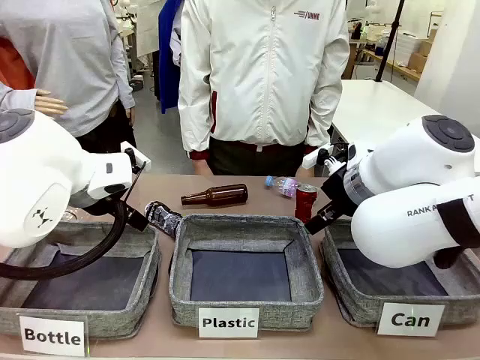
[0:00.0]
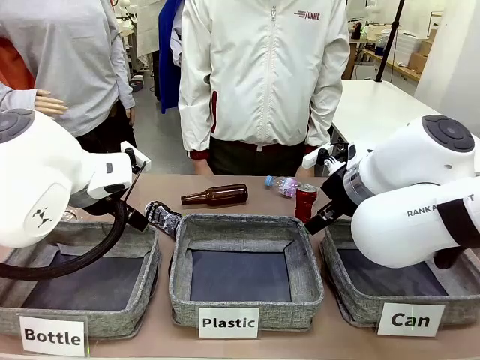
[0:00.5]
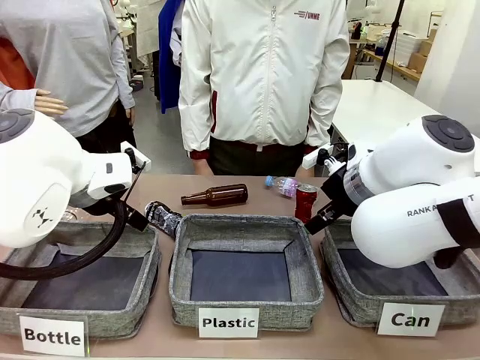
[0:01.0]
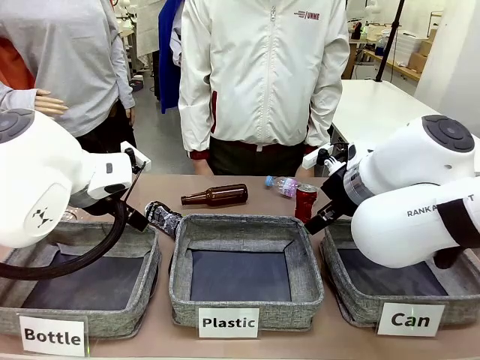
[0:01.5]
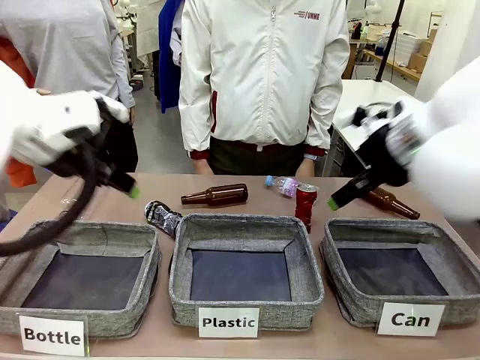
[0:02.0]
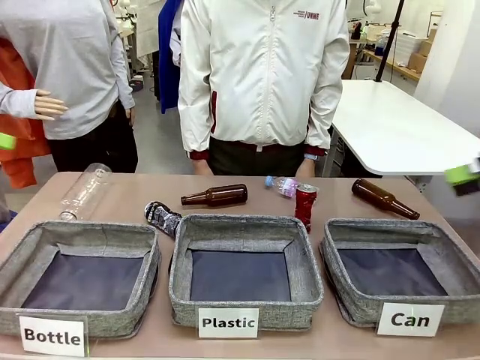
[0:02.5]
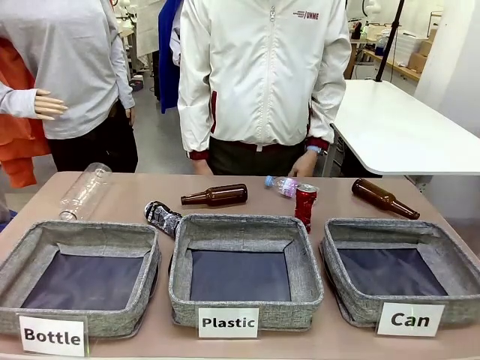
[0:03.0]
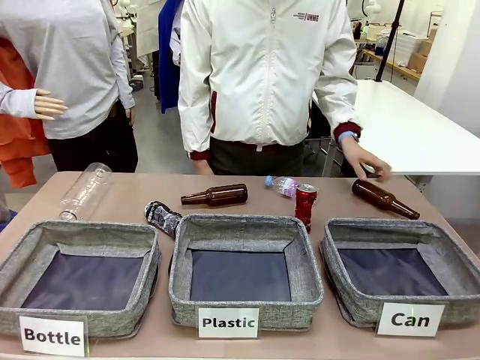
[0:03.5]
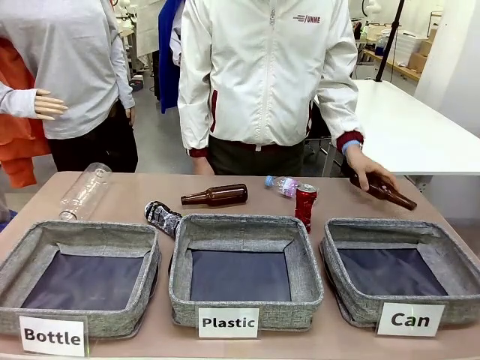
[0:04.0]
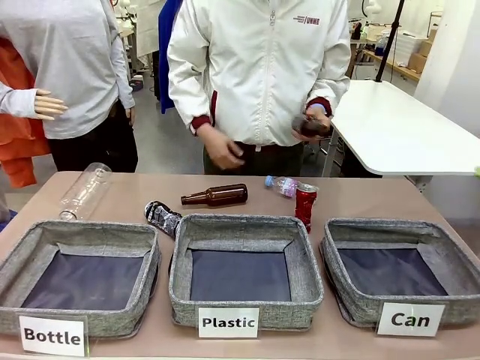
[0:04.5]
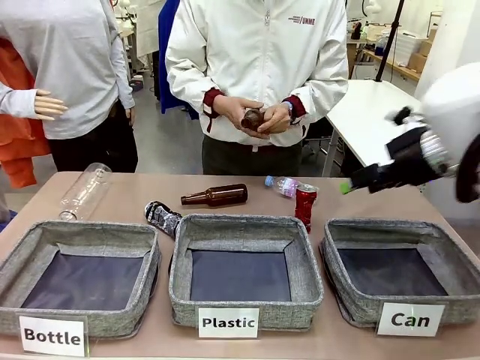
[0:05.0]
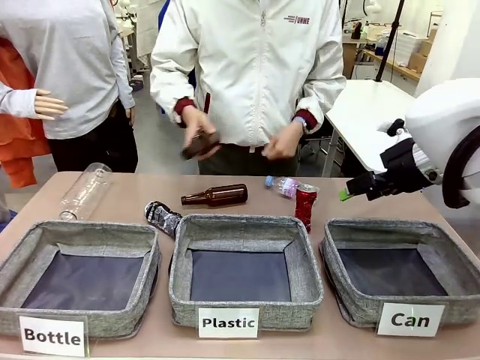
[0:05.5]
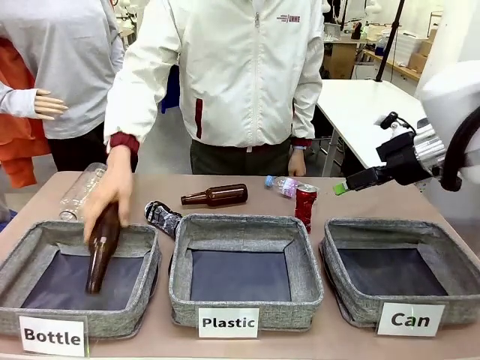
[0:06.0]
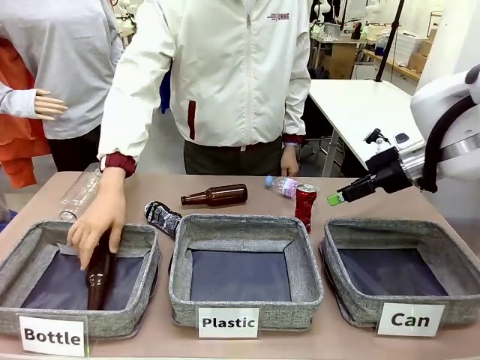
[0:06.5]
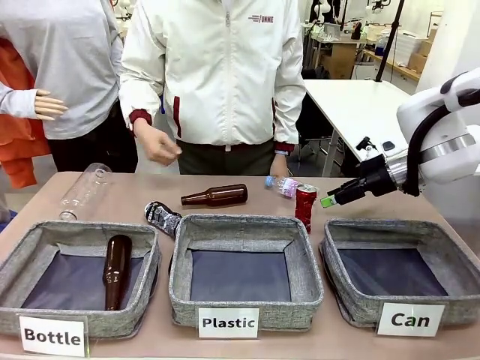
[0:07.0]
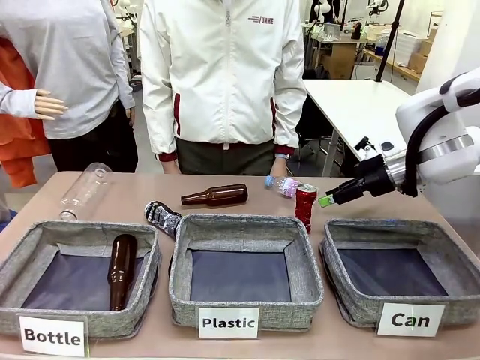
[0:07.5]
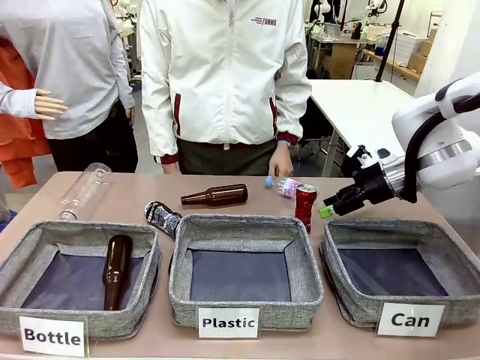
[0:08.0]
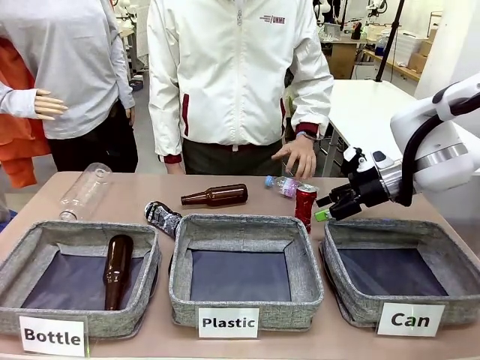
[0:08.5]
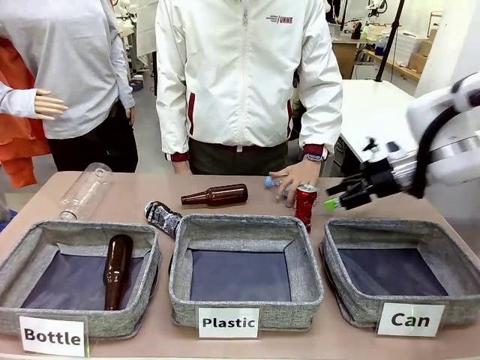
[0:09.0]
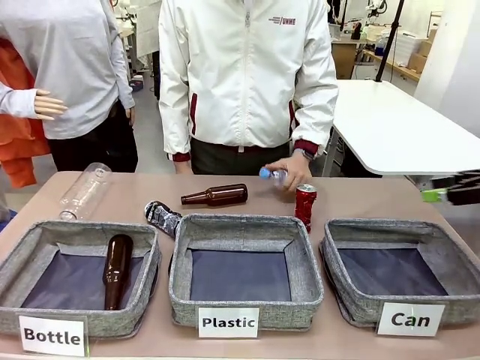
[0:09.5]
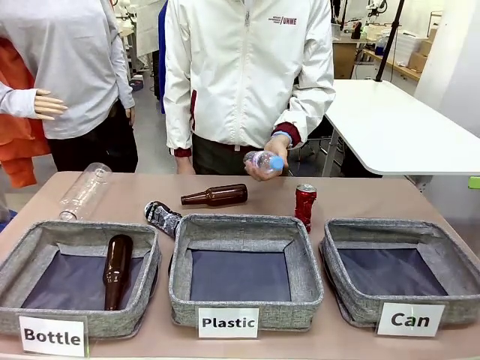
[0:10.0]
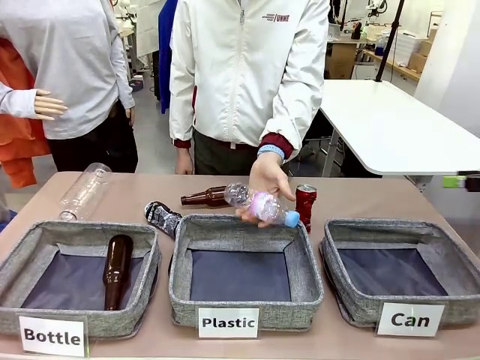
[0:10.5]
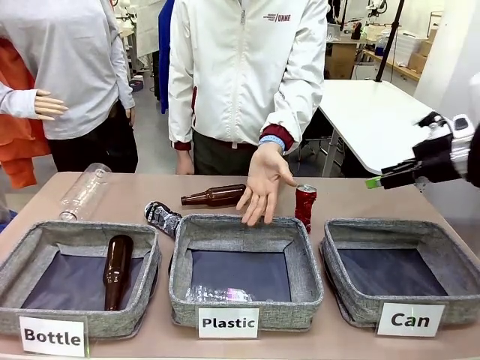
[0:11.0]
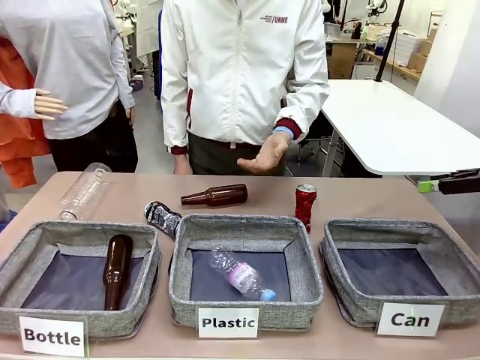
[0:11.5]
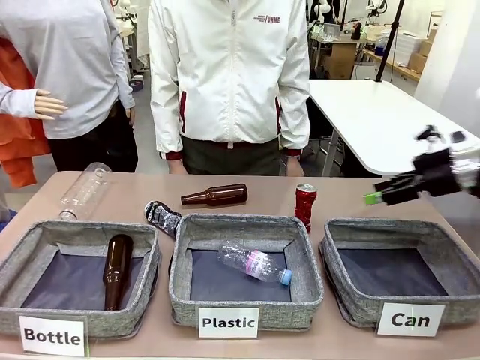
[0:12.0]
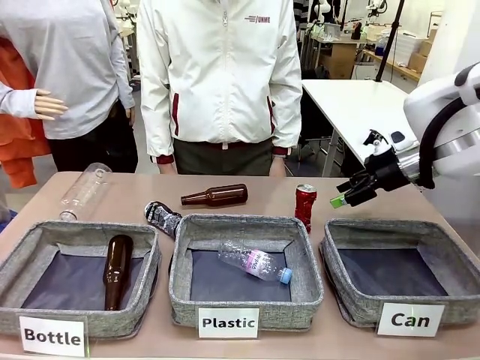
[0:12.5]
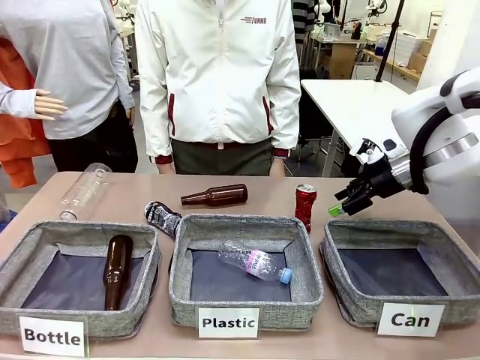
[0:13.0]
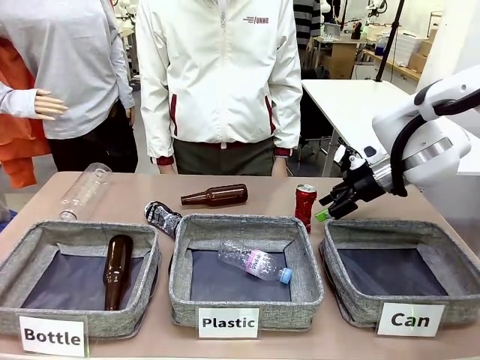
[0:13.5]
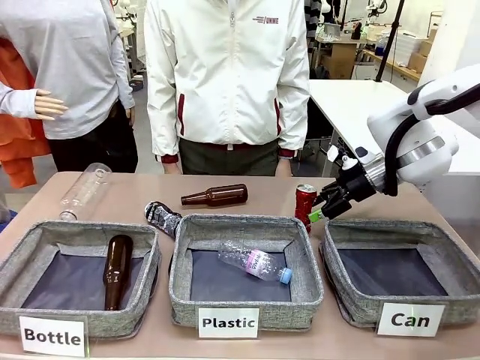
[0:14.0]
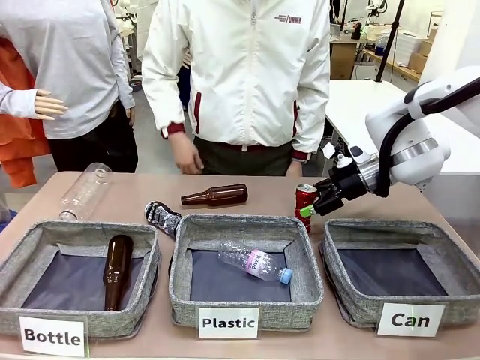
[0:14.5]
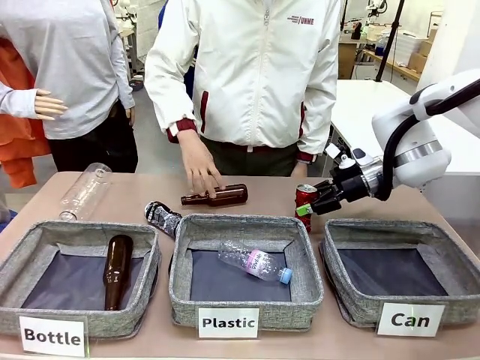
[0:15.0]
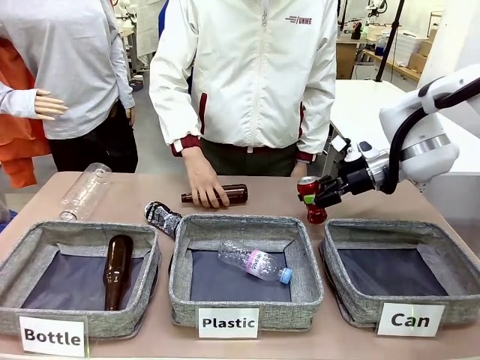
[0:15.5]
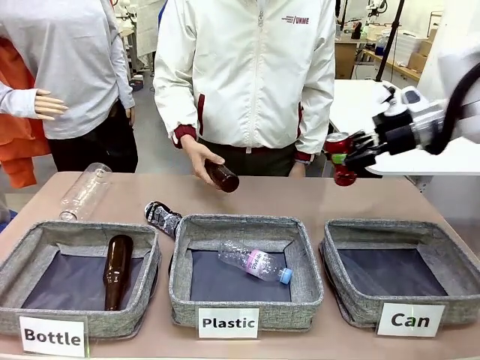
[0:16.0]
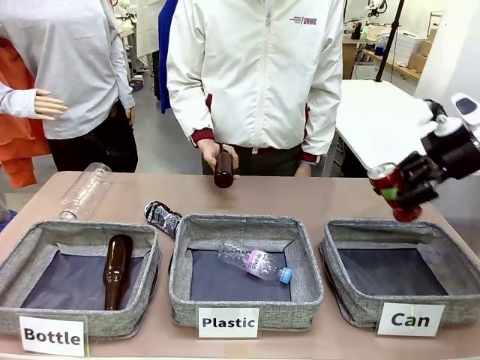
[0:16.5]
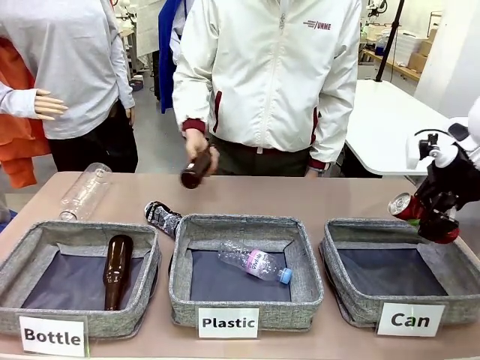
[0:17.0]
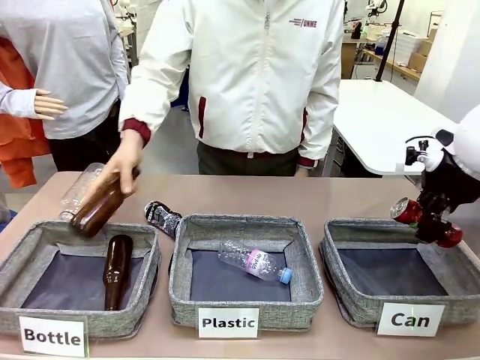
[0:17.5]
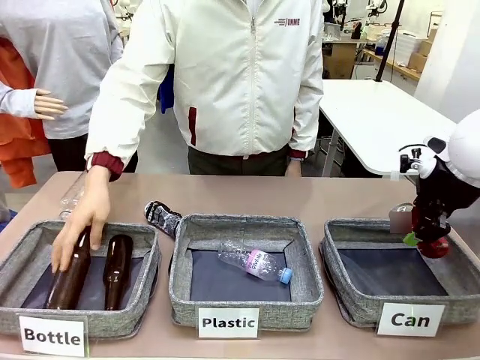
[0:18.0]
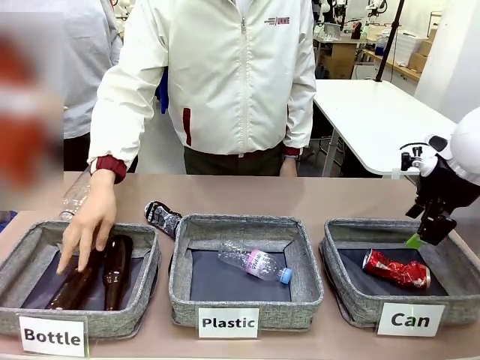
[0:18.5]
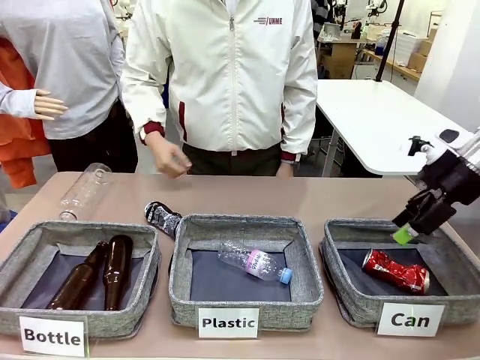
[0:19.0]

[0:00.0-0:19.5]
Task: Sort the can waste into the basket.
Robot: Pick up the can waste from the table and place it in the right Fabric basket.
